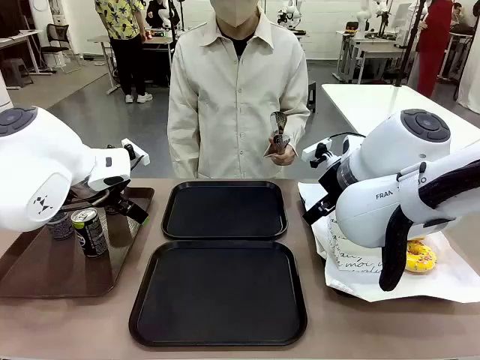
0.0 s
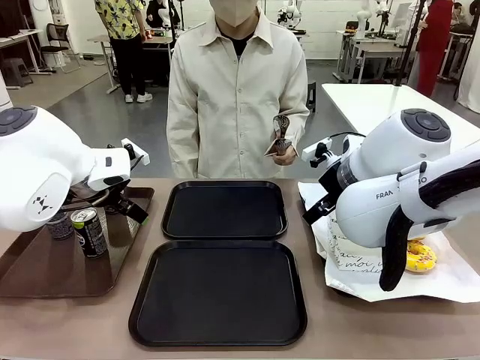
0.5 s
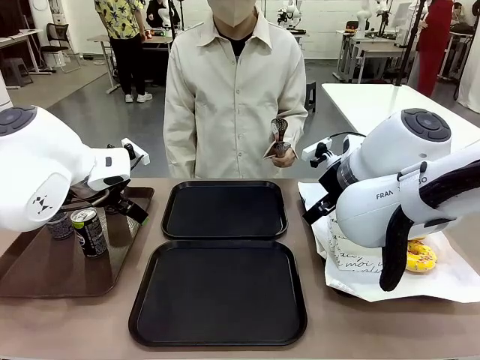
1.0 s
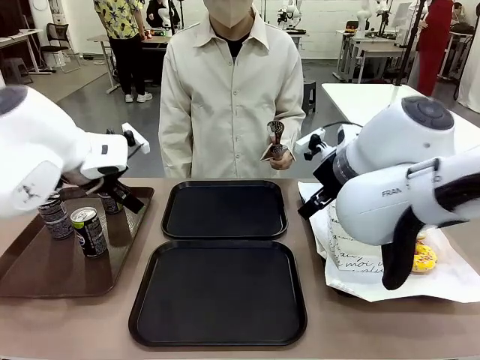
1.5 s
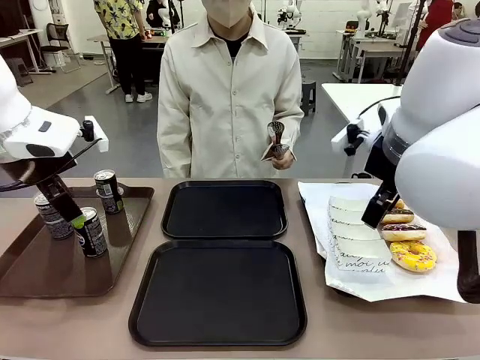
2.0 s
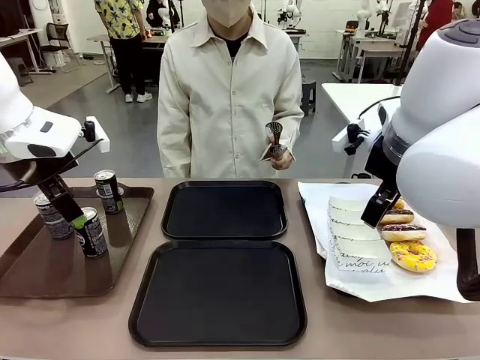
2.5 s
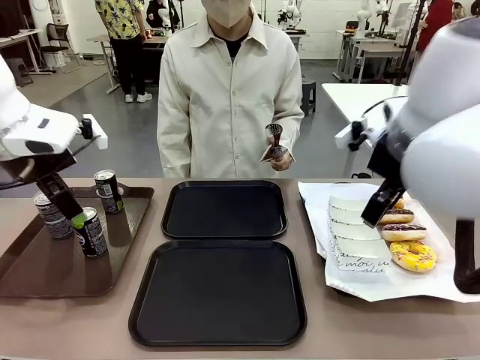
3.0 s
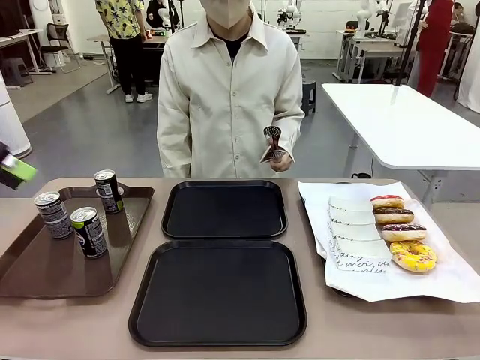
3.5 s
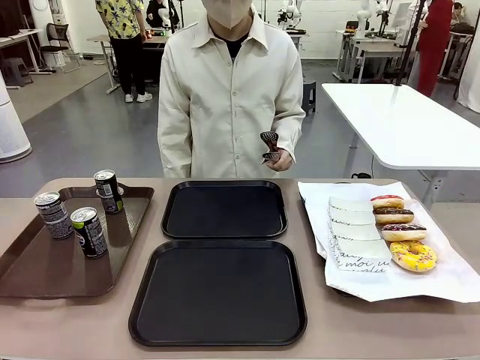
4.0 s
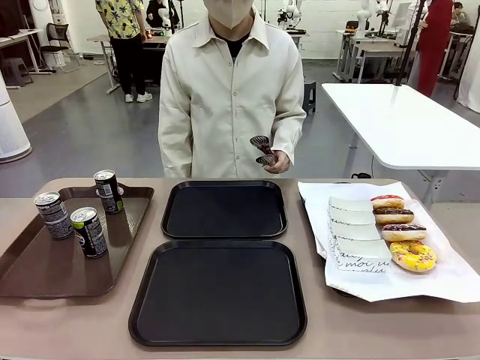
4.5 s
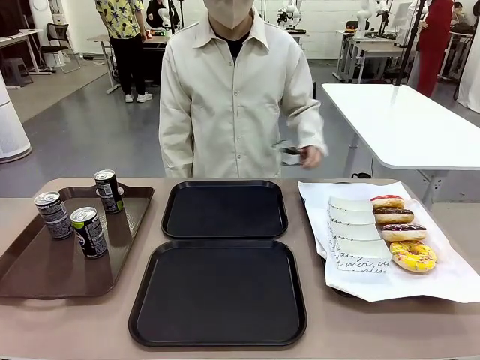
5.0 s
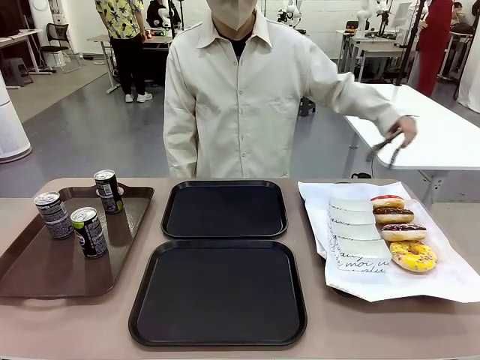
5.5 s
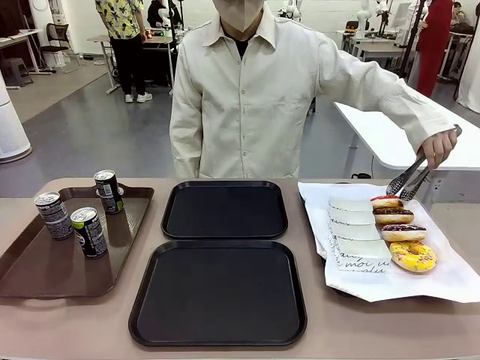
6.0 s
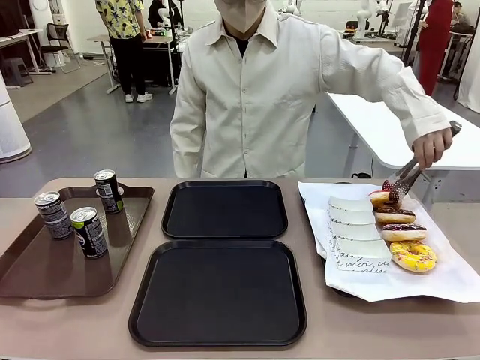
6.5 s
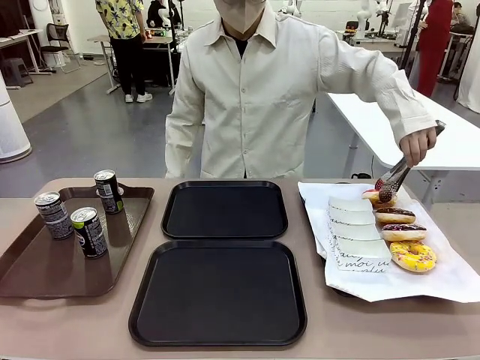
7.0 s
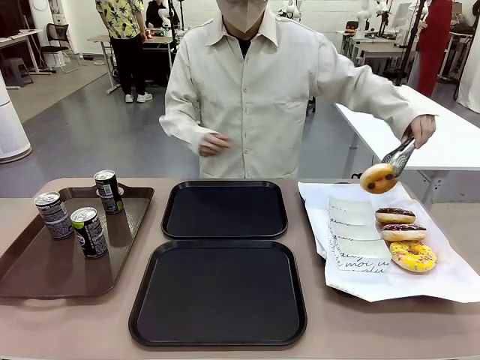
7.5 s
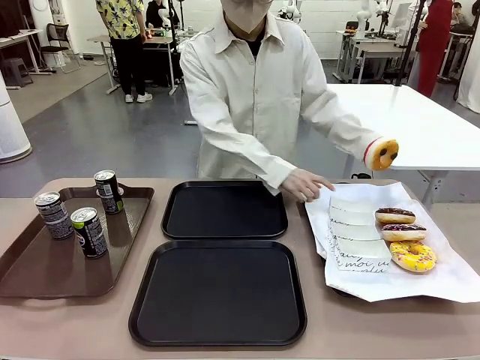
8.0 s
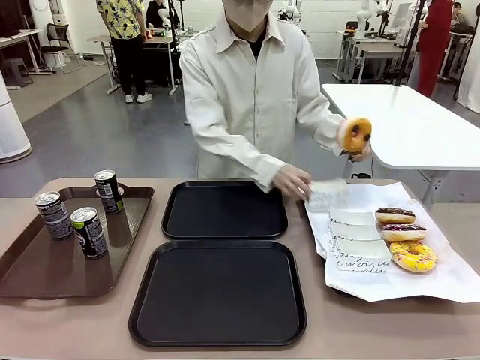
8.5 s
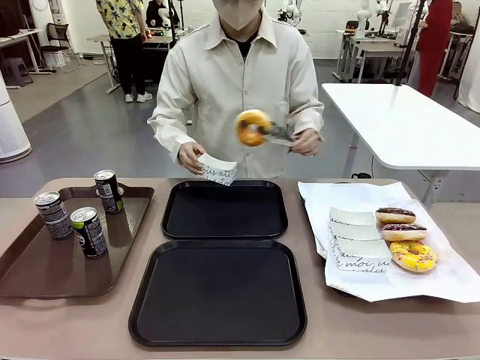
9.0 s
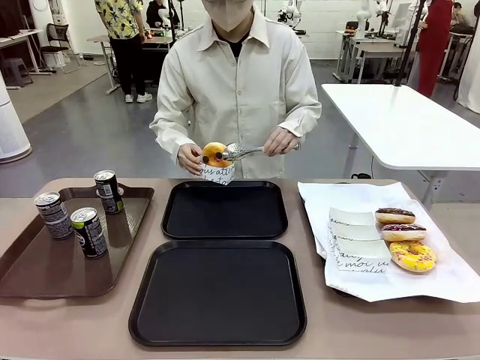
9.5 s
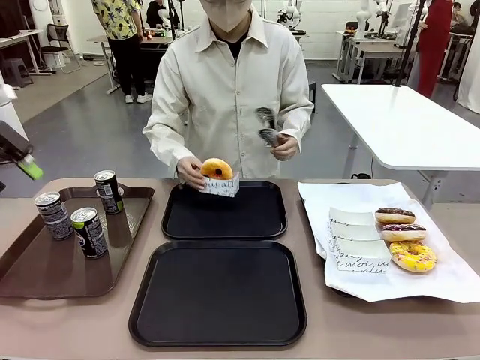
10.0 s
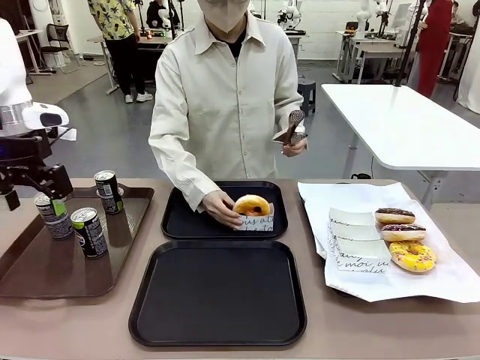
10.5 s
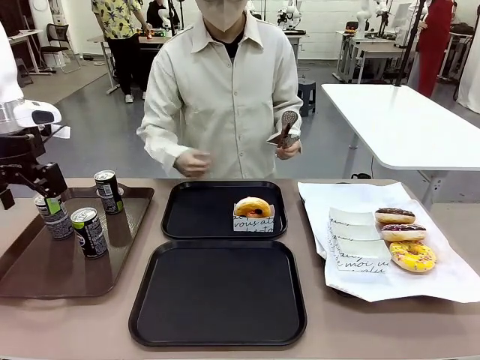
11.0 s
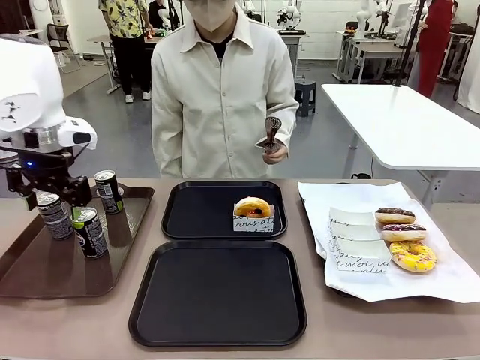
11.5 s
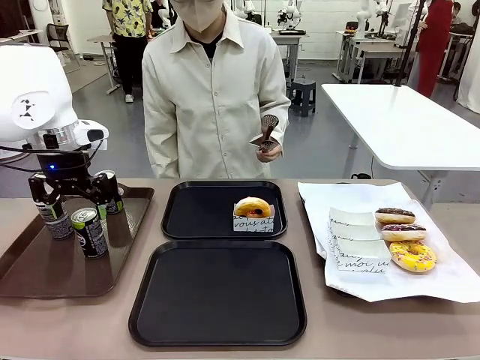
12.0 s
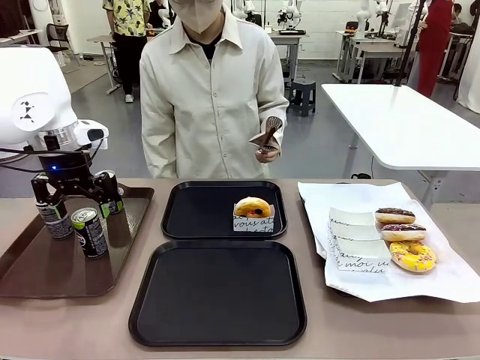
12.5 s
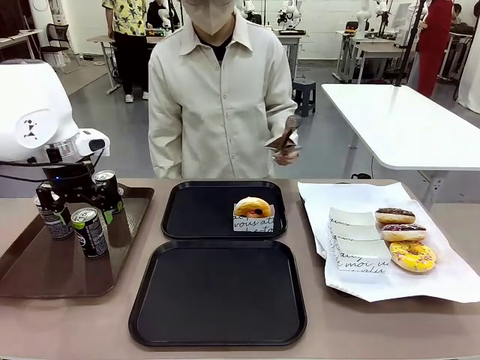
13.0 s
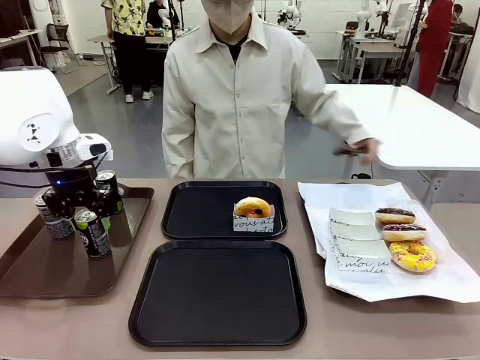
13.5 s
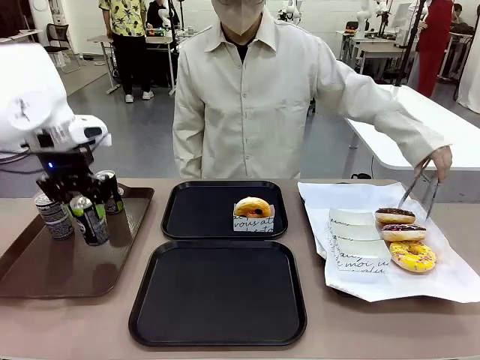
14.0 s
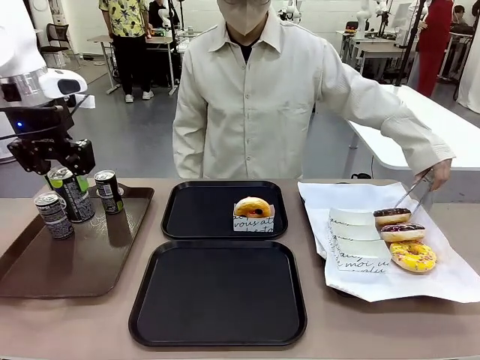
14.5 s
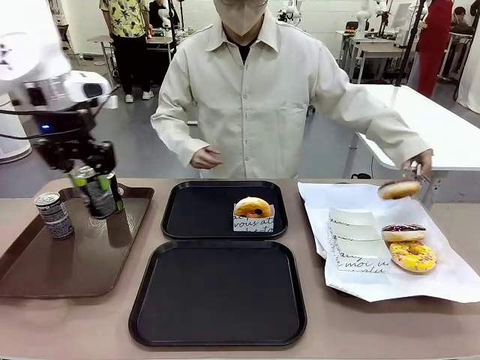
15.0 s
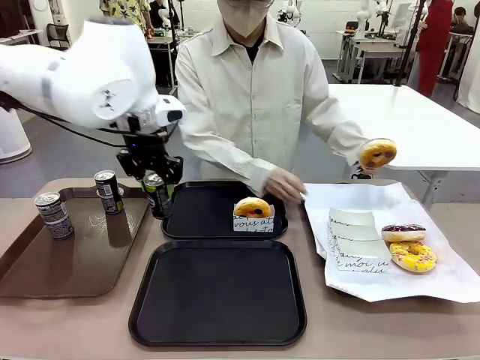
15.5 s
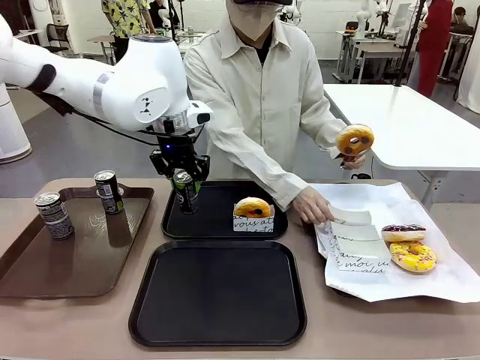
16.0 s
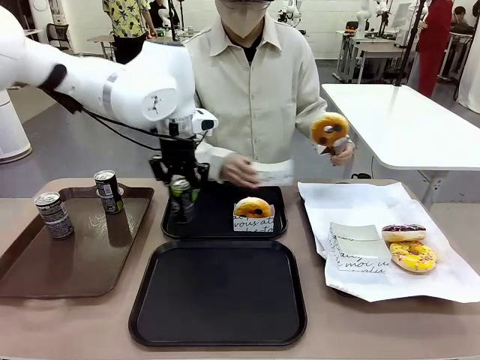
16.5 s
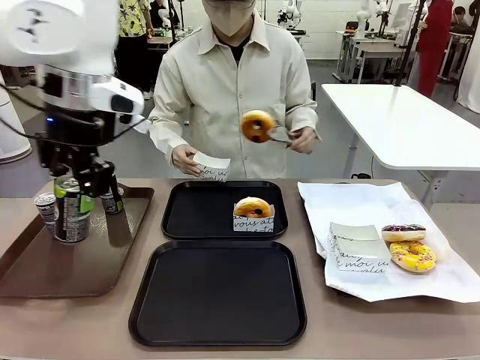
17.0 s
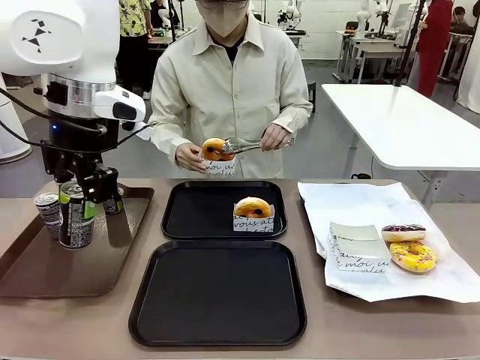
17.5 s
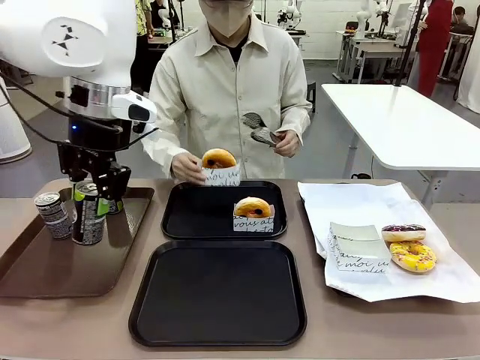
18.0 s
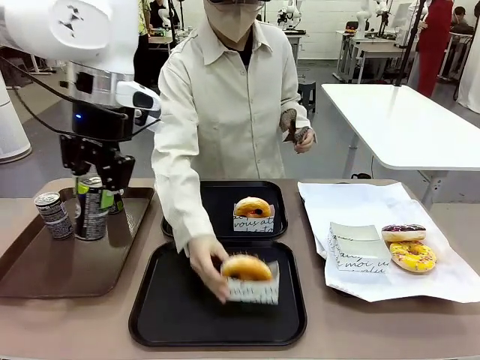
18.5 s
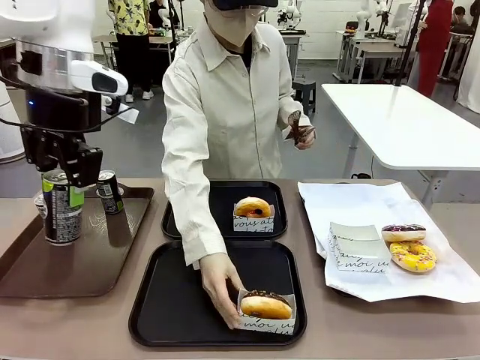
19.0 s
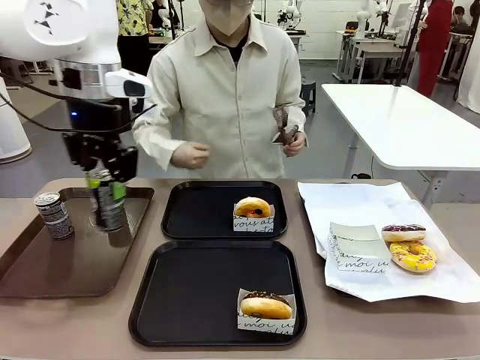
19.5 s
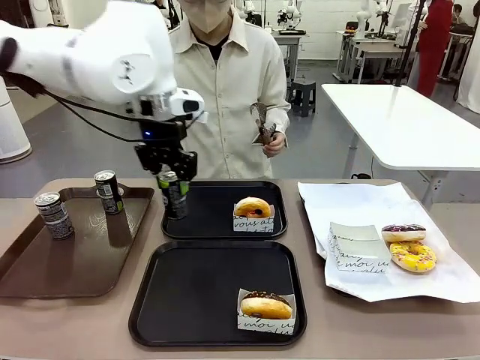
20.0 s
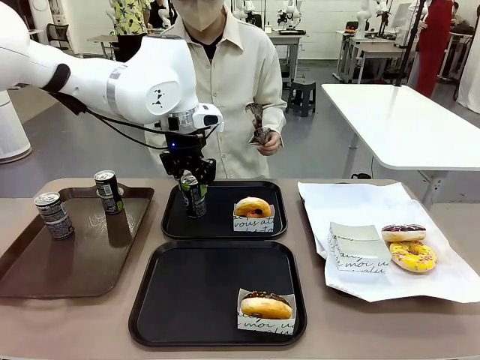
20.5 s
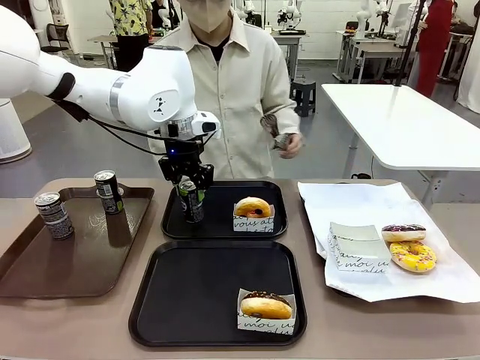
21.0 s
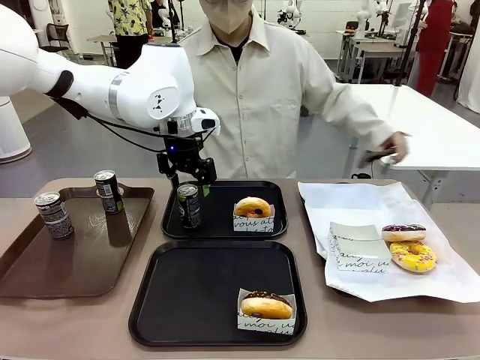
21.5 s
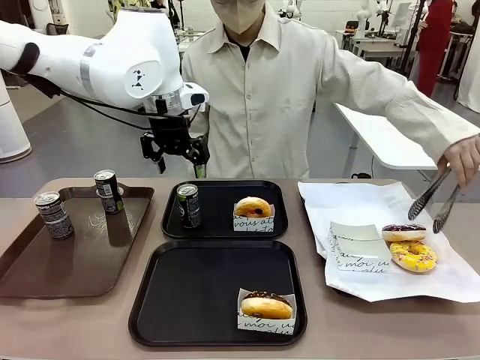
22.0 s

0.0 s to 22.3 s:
Task: Set up donuts and drinks on trays.
Robot: Pick up one Pepsi coke and place it on the Flat Tray.
Person: Pick up one donut with tongs, place it in the donut tray, and then place the donut tray on the flat tray.

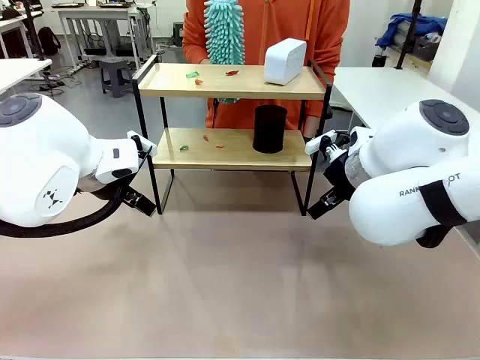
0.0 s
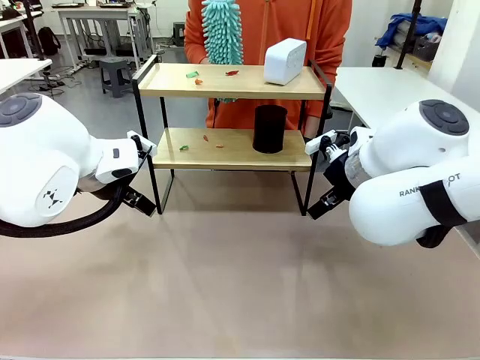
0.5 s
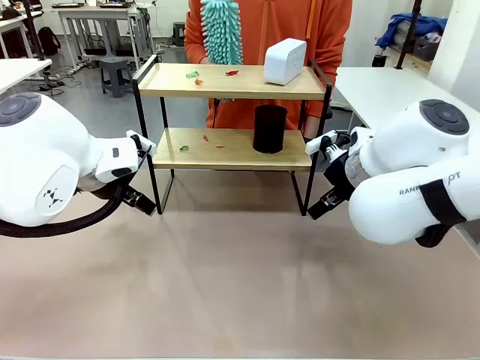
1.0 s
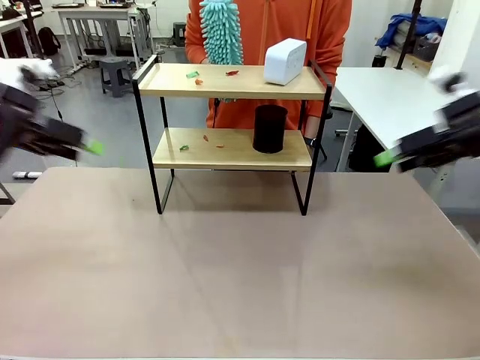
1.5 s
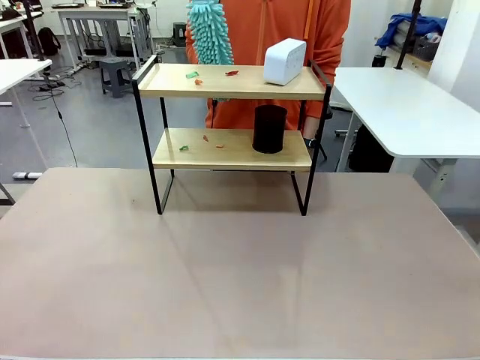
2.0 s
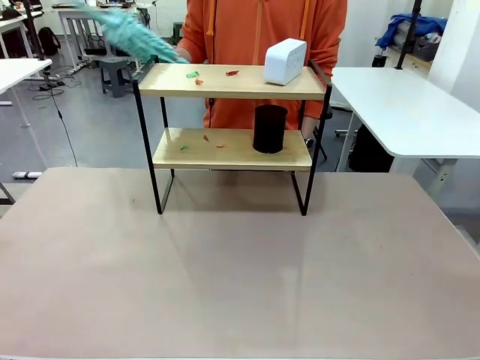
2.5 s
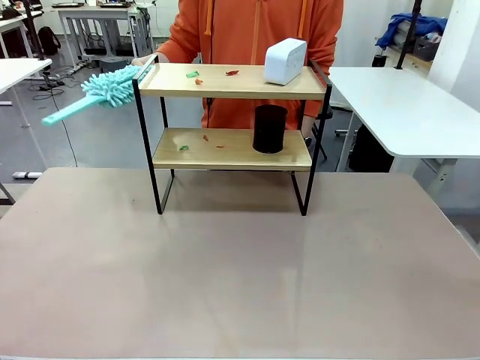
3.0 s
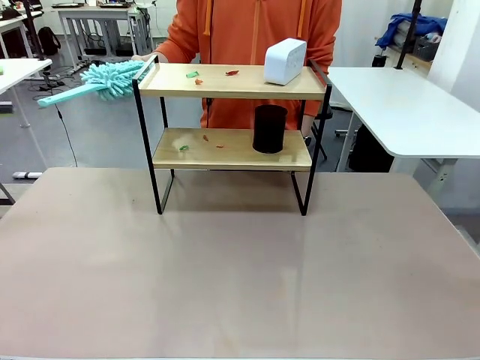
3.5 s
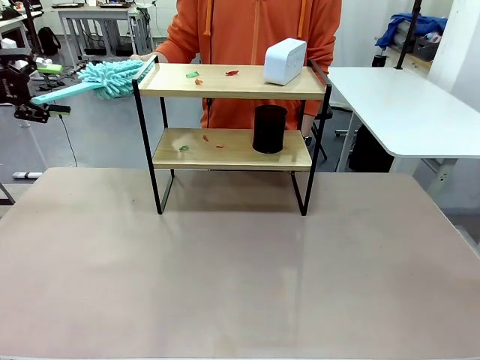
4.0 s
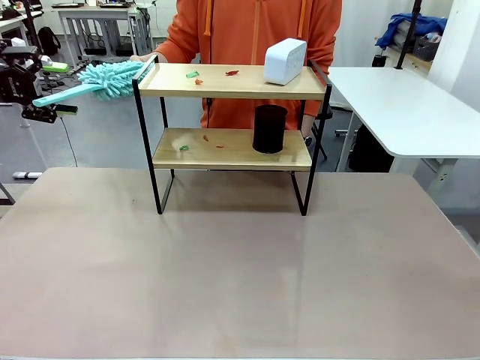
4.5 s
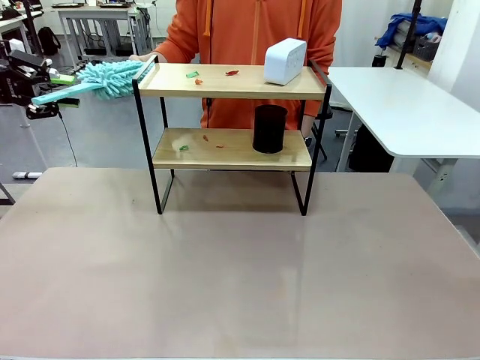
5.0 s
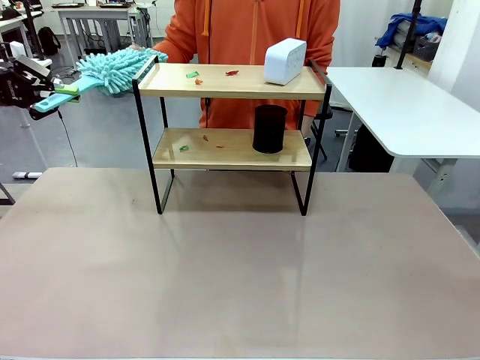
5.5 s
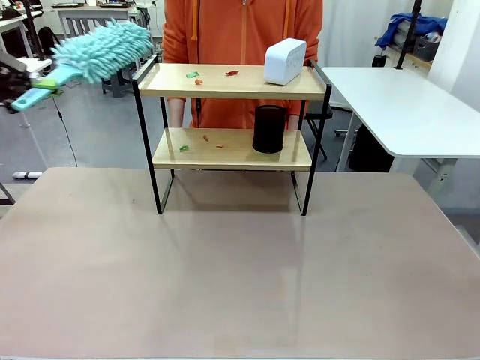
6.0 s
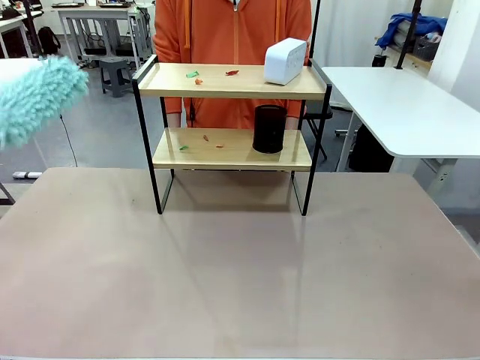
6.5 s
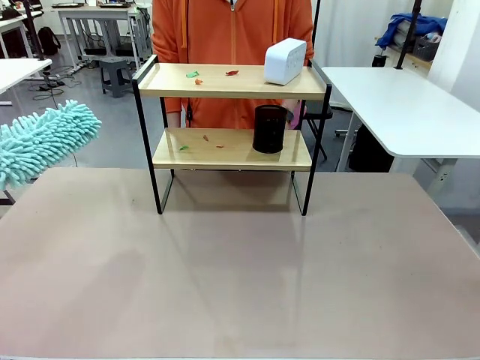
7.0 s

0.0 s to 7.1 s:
Task: Clean the shelf.
Robot: Pick up the Duster from the human.
Person: Hand the Duster to the robot.
